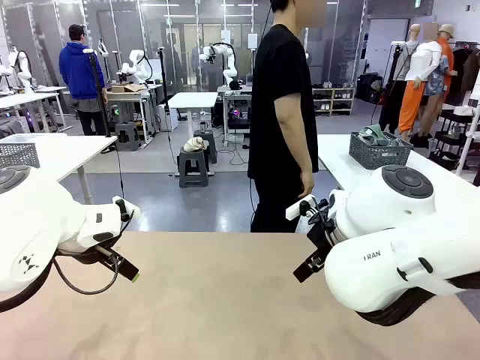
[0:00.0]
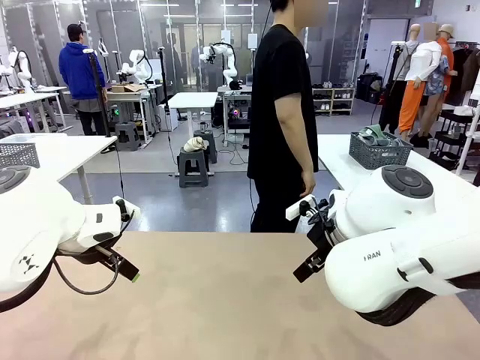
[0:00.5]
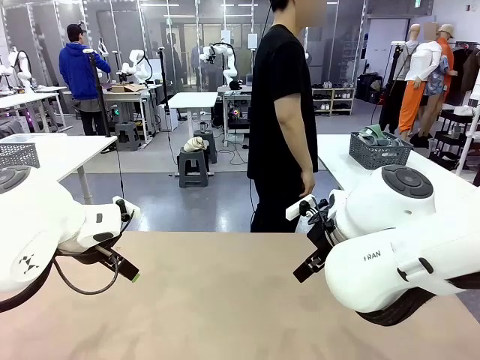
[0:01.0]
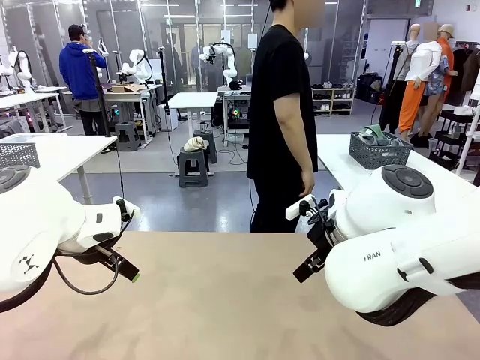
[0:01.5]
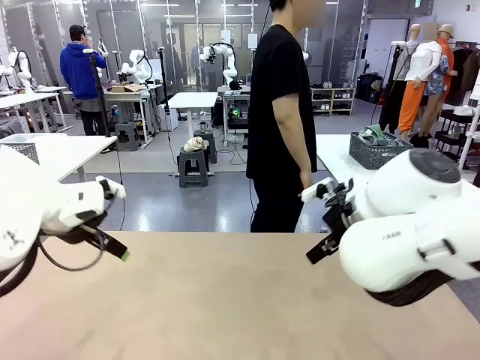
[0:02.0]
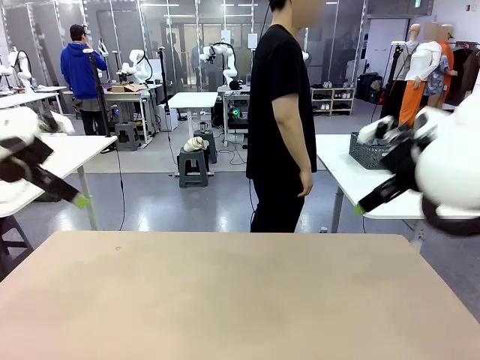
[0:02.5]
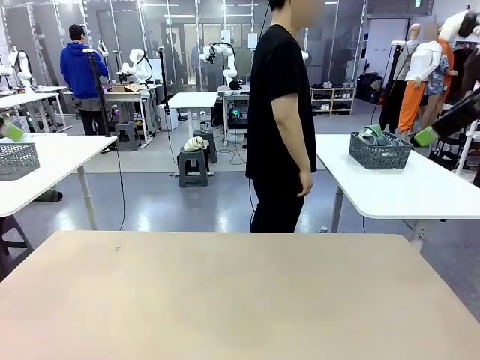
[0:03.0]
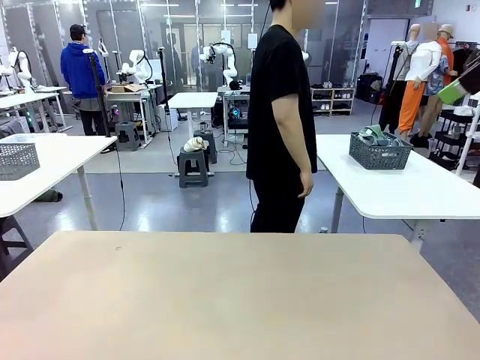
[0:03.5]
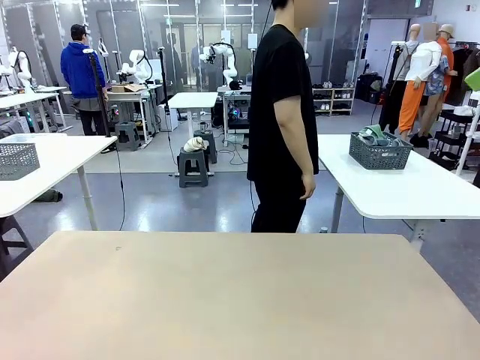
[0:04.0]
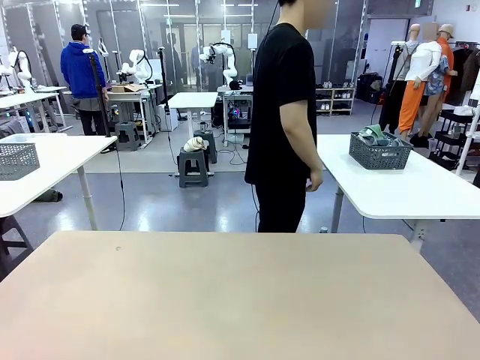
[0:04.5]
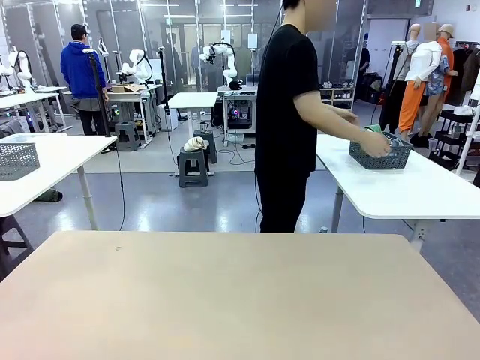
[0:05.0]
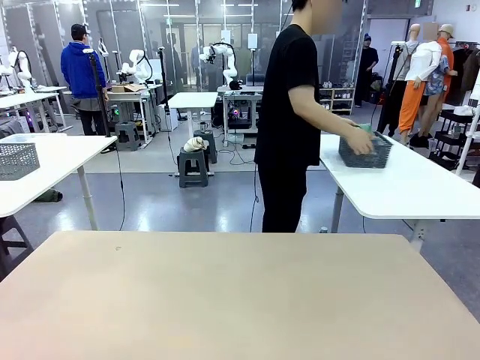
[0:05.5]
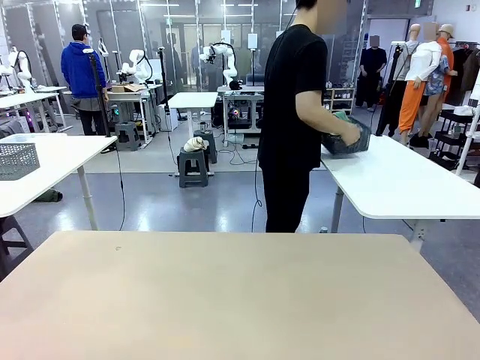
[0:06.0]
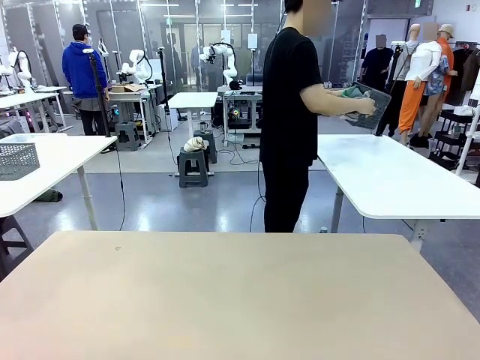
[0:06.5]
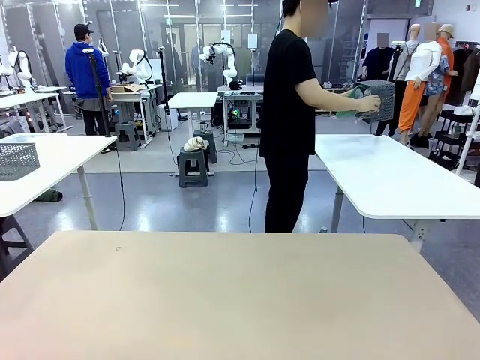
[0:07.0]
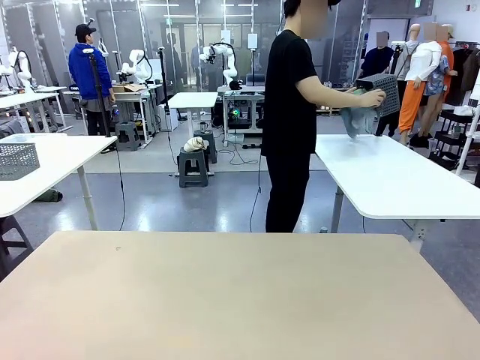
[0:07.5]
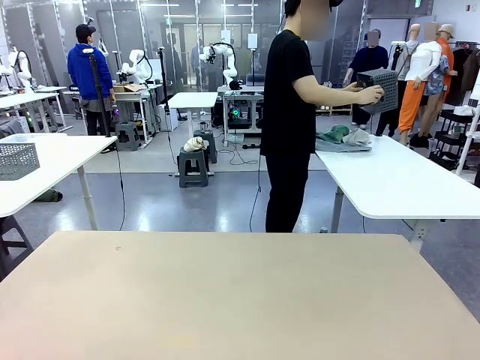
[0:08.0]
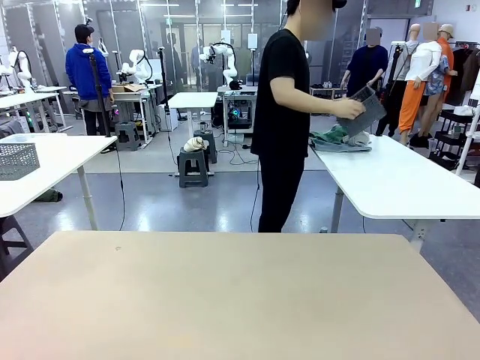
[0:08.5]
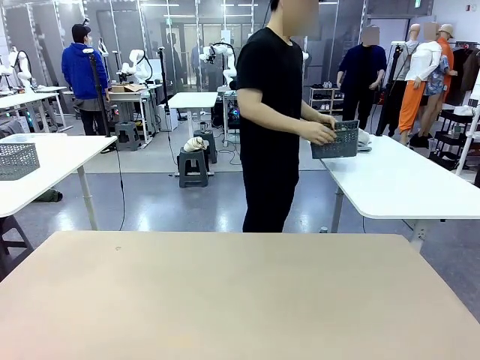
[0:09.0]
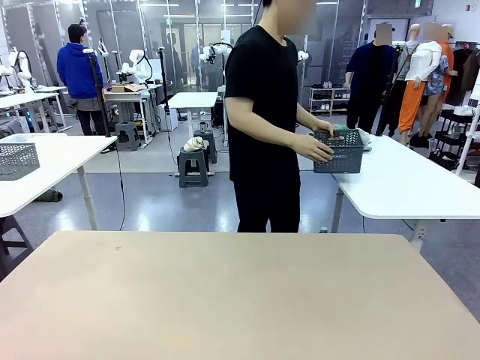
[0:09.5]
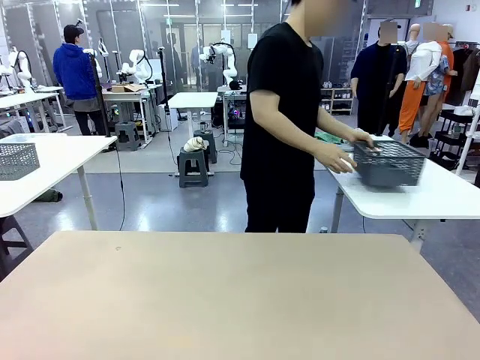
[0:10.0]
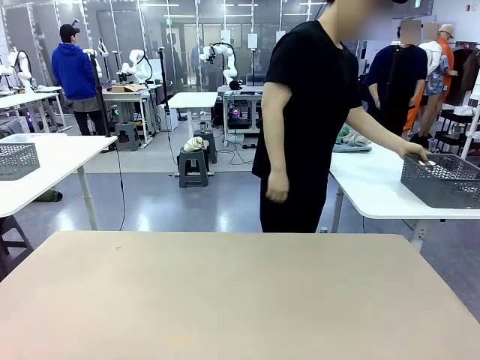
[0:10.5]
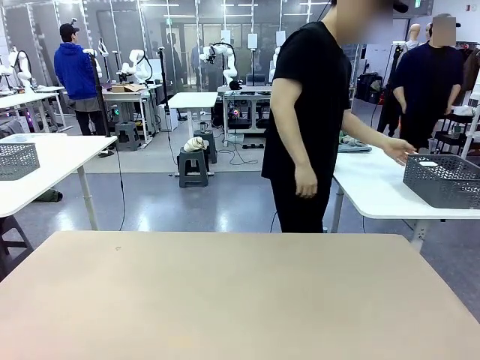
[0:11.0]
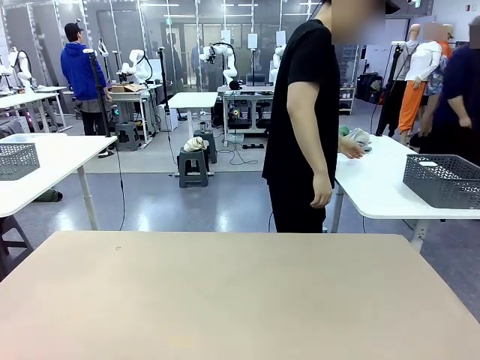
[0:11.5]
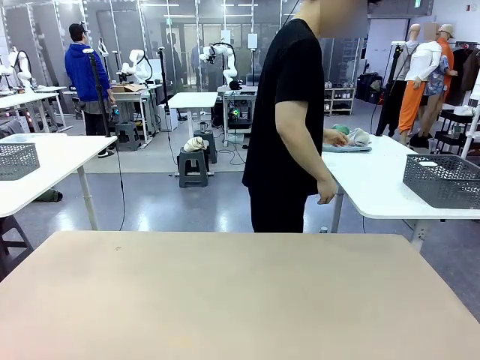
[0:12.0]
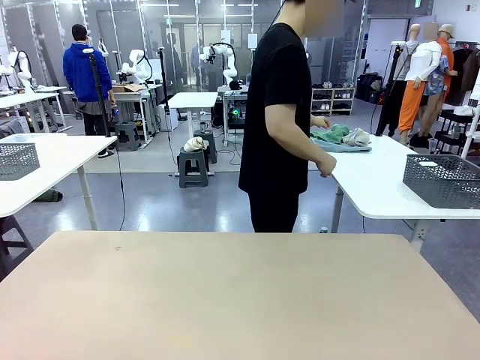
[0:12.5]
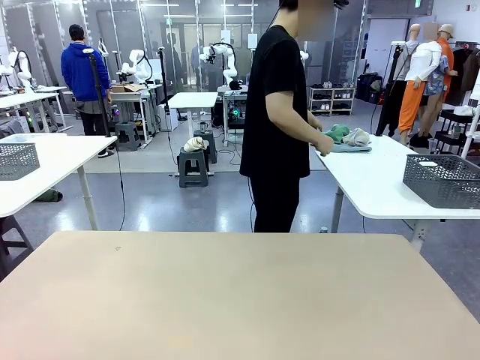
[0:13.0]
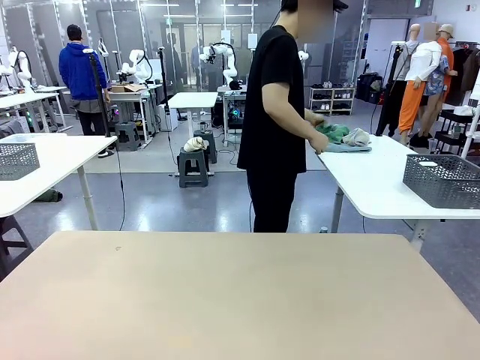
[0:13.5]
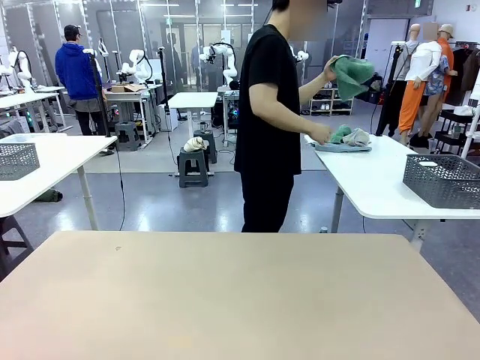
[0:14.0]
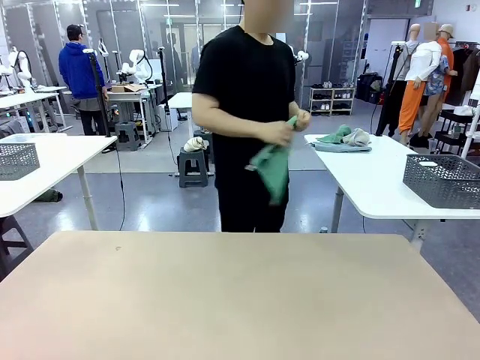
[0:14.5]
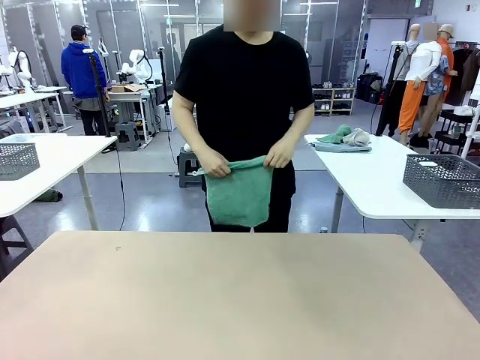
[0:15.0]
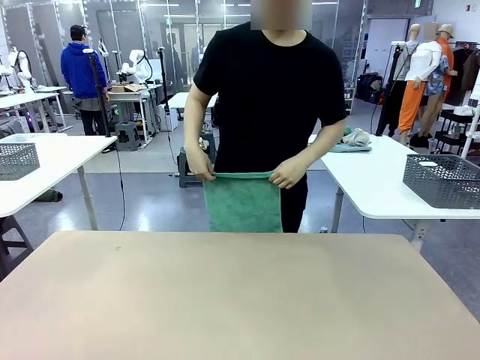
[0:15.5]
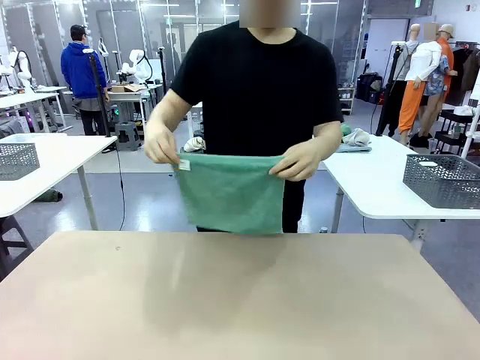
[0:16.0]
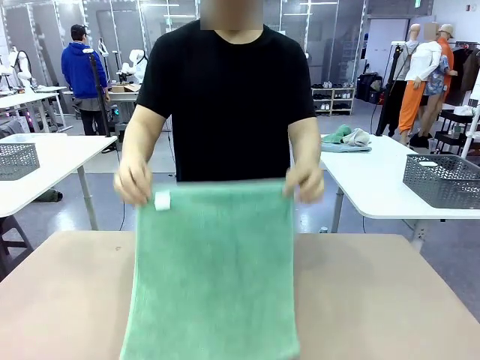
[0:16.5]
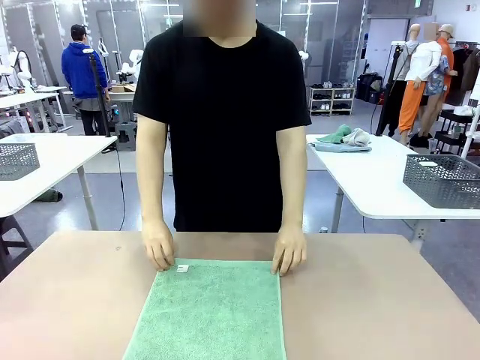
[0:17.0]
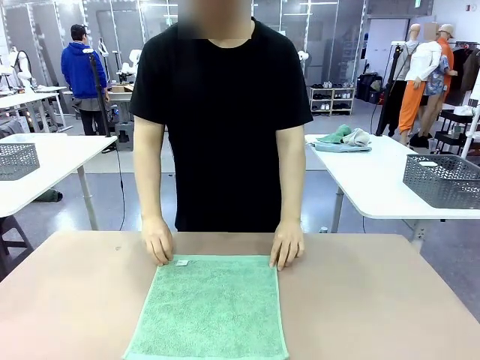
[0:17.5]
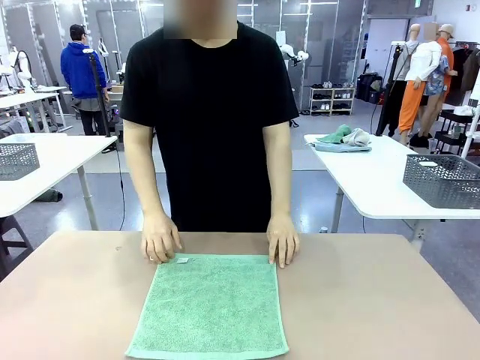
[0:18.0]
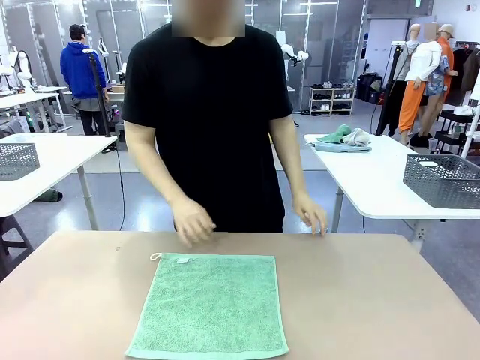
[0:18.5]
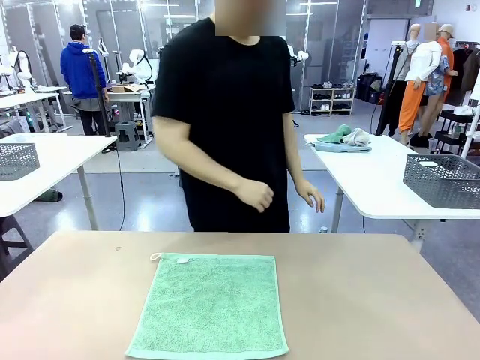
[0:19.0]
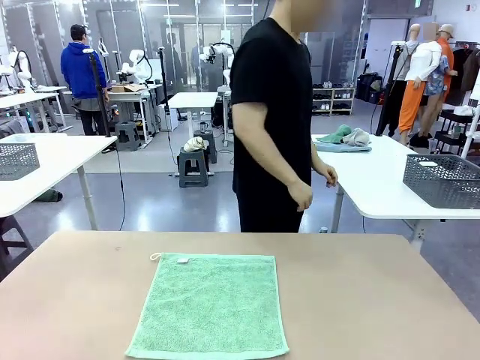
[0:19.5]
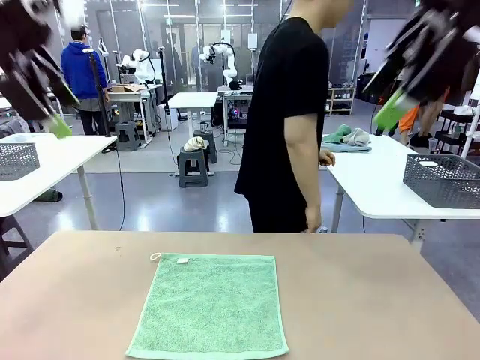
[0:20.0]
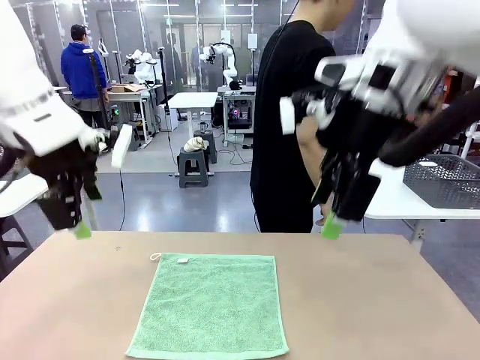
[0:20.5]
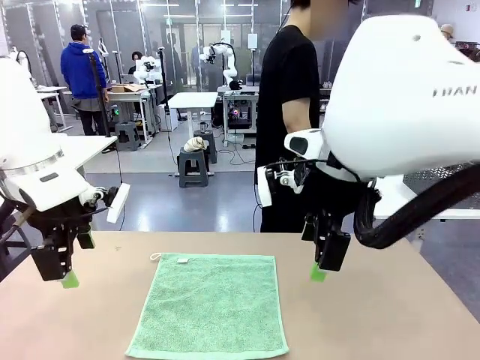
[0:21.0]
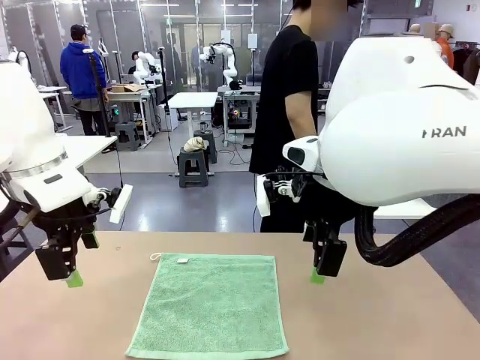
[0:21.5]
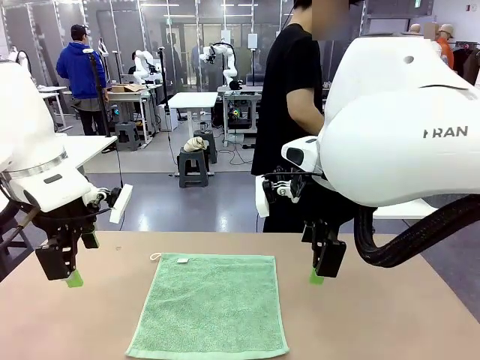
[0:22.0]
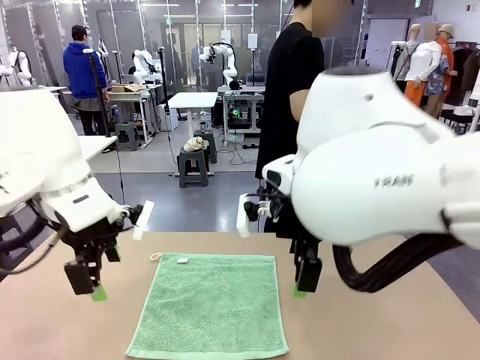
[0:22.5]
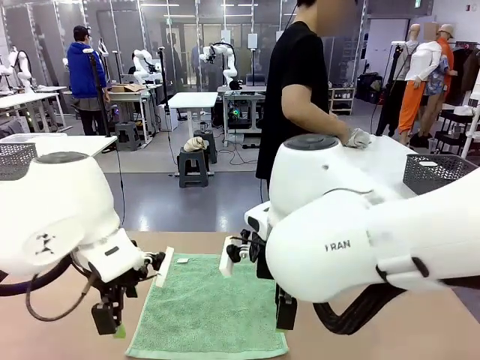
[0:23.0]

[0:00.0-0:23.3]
Task: Fold the towels and place them in the basket.
Robot: When a person lays out a Towel with hook on the table, fold it in half twice.
Person: Pick up the basket, pour the towels onto the left side of the human table, and place the basket on the right side. Pick up one towel and spread it out at the center of the robot table.
